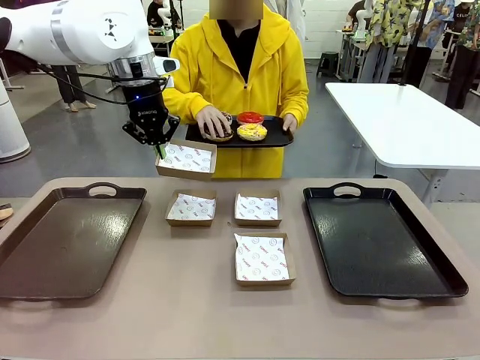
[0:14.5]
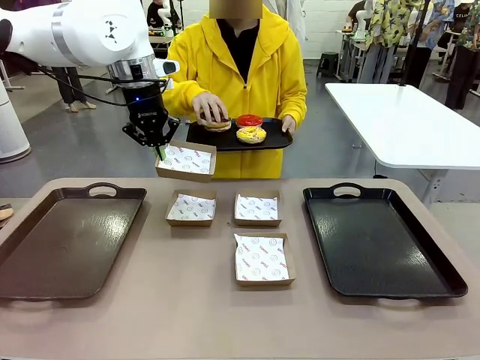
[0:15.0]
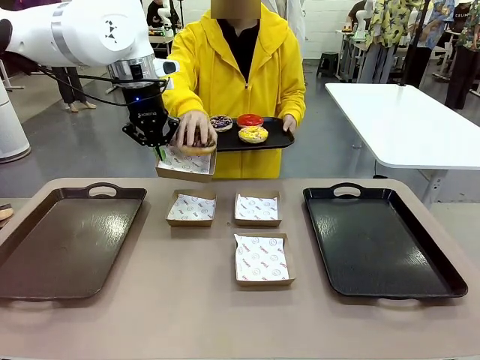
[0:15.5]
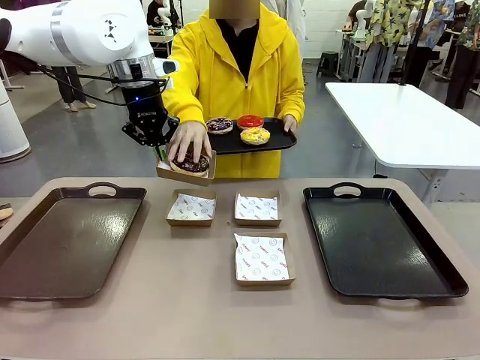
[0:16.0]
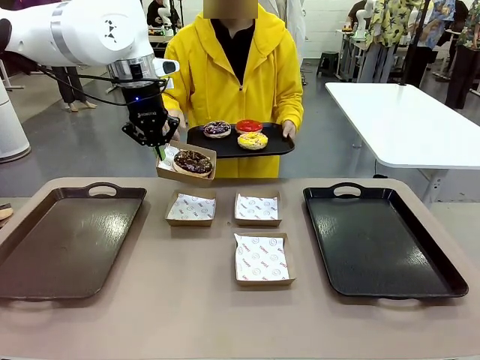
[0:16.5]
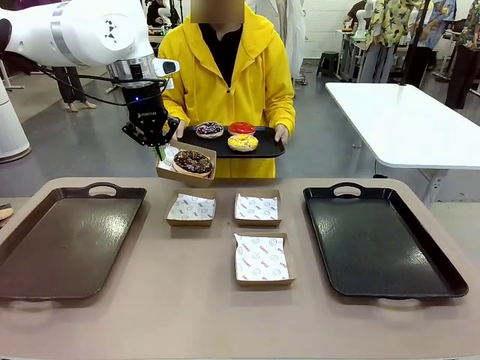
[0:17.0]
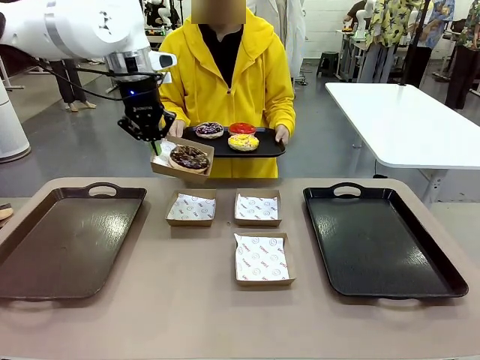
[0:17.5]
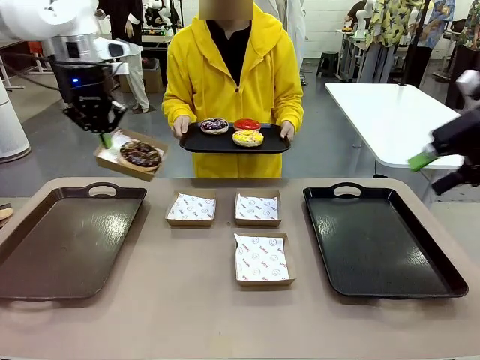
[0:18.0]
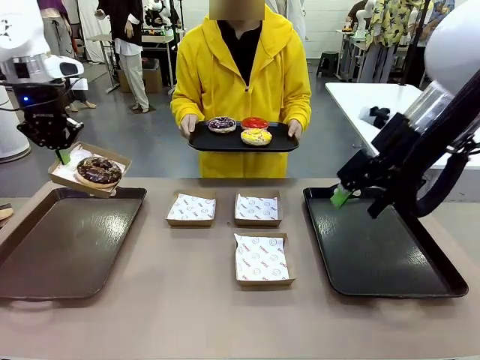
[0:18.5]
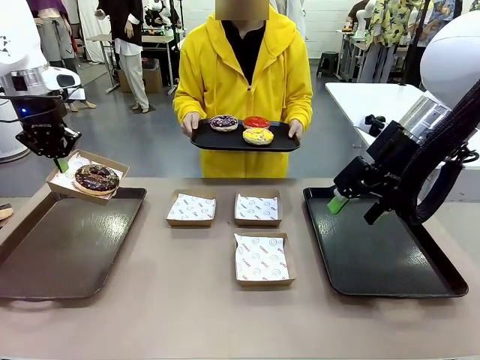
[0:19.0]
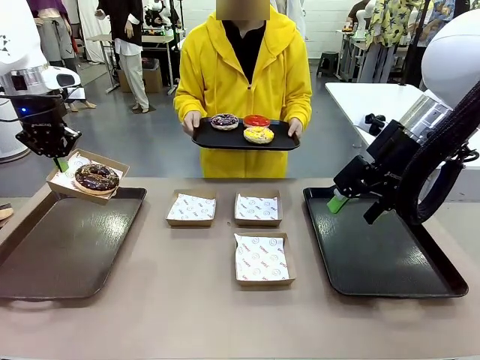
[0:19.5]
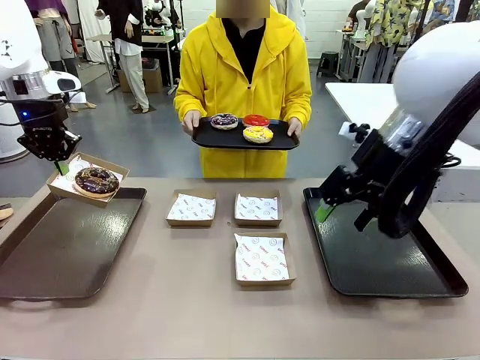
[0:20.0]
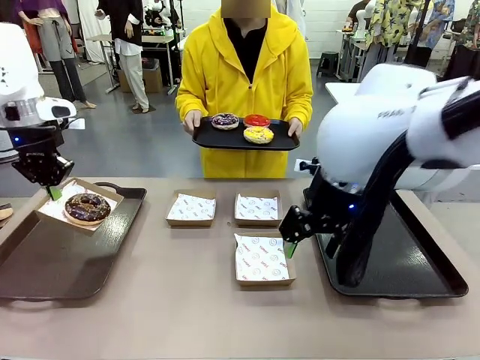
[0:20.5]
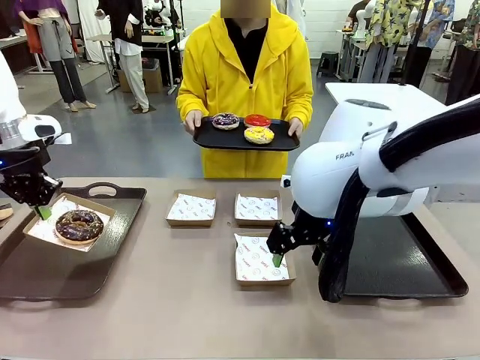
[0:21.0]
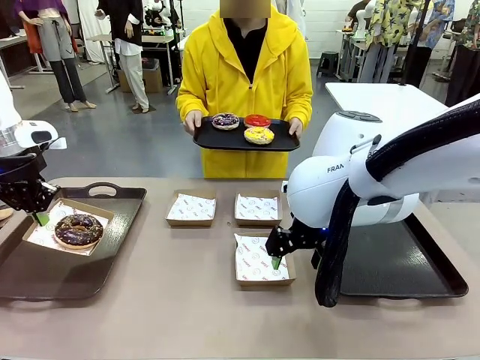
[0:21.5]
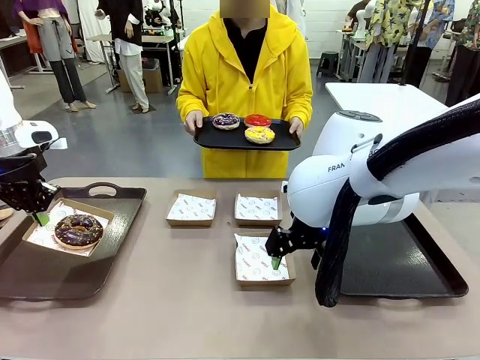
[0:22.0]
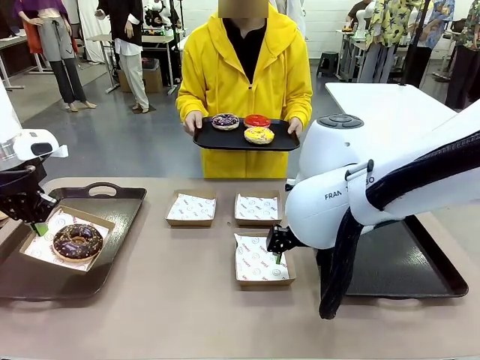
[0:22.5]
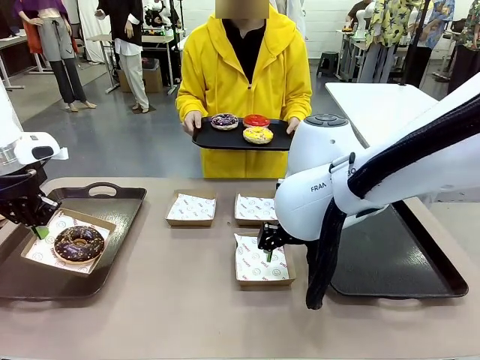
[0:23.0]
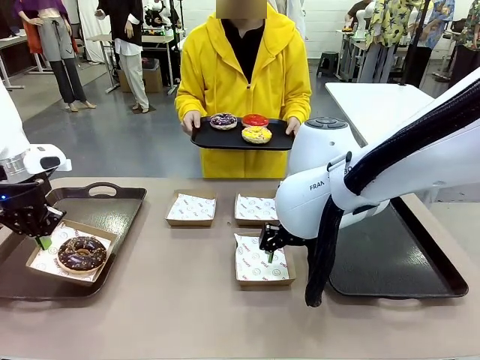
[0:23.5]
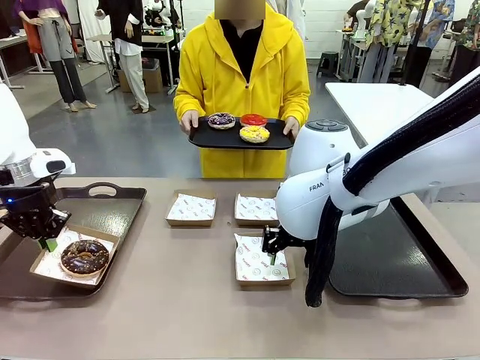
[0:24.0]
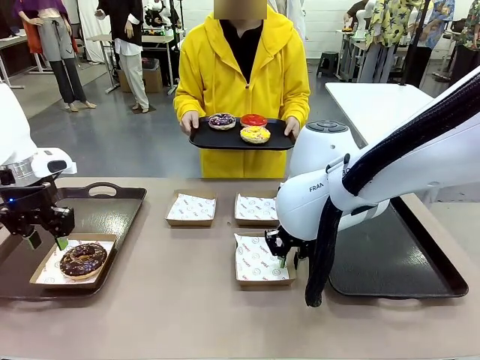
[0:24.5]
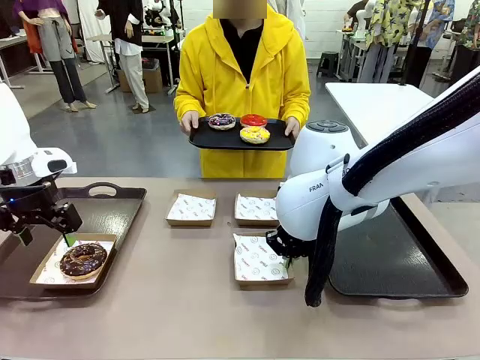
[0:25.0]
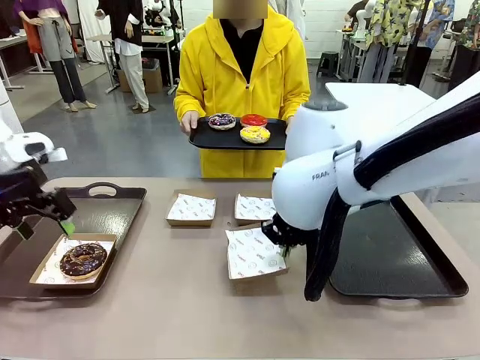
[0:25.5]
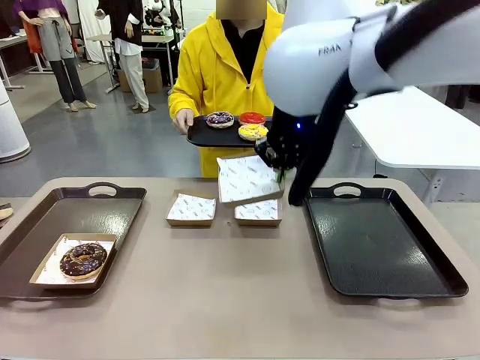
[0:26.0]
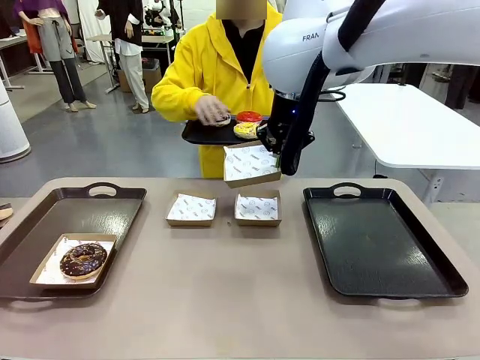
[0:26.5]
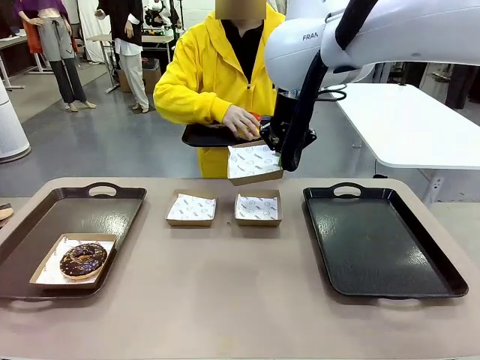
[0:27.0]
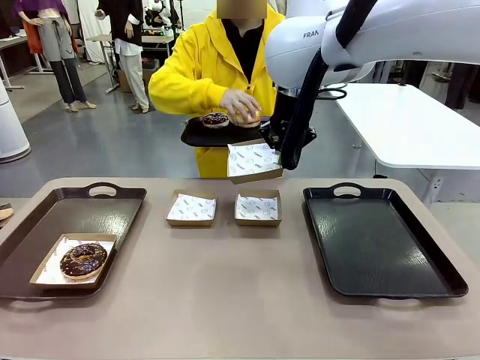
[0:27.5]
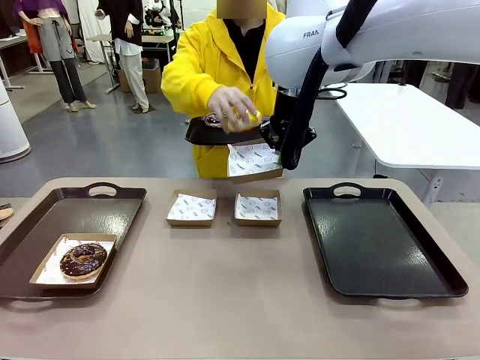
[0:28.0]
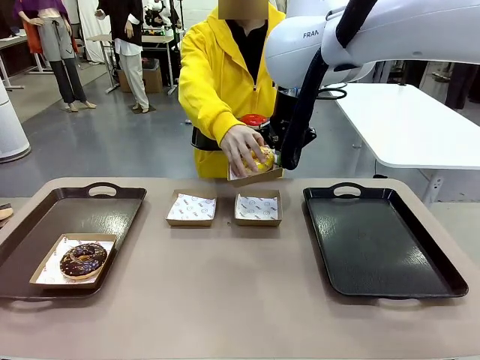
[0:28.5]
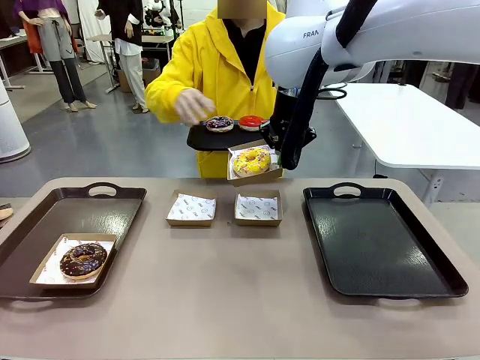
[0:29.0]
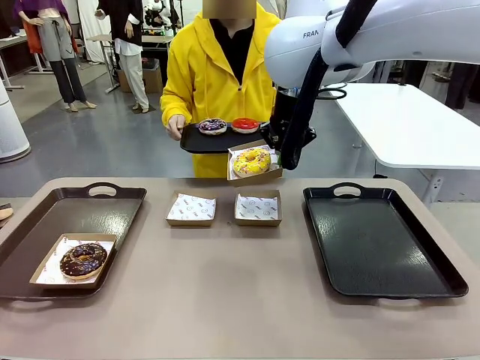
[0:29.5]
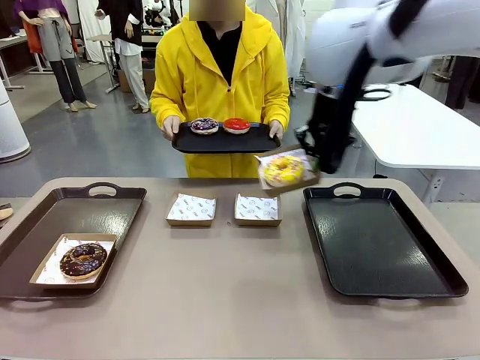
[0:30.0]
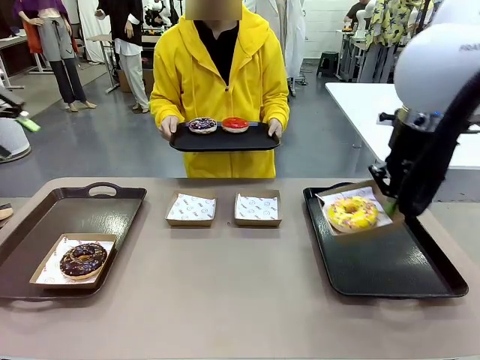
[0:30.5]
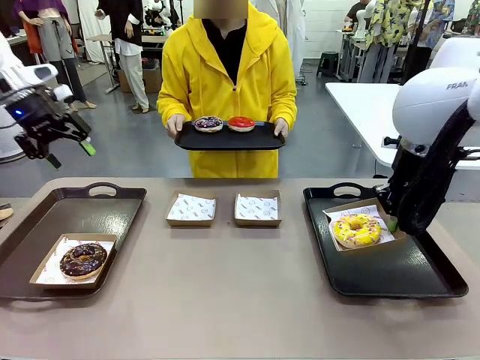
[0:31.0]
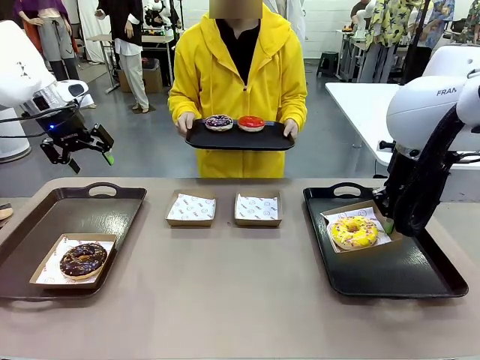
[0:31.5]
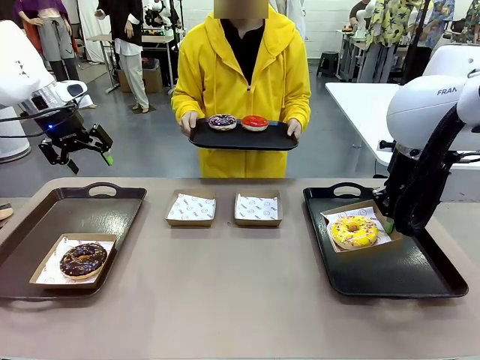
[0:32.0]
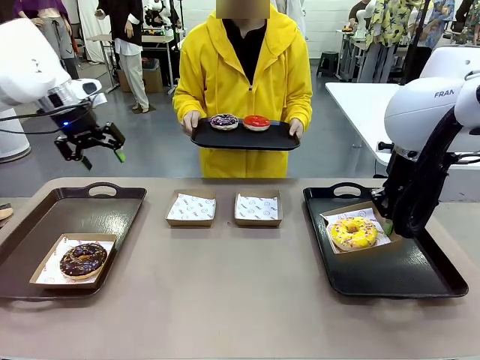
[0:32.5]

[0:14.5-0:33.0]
Task: Individually package the donuts and arrange them on the tray.
Robot: Place the picked Paper togo box on the Handle tray while simultaneously picking up another Paper togo box from the table with the other hand.
